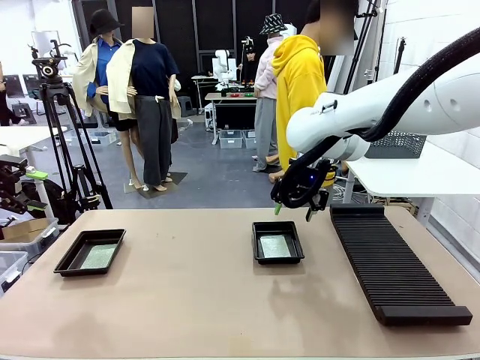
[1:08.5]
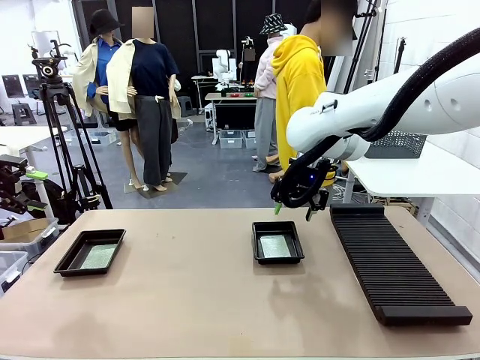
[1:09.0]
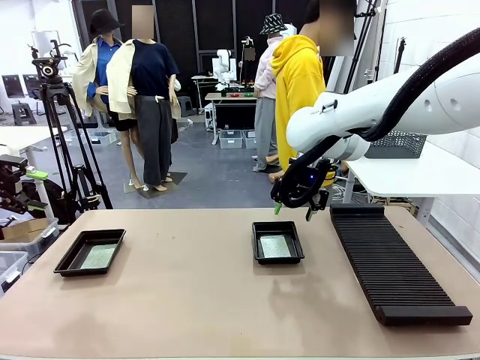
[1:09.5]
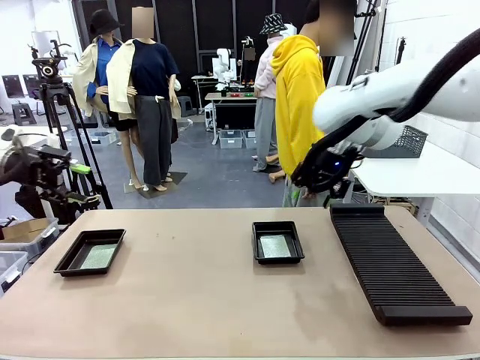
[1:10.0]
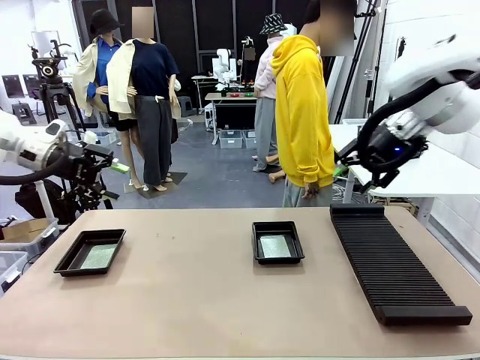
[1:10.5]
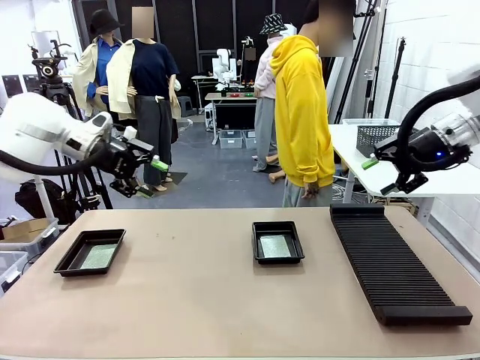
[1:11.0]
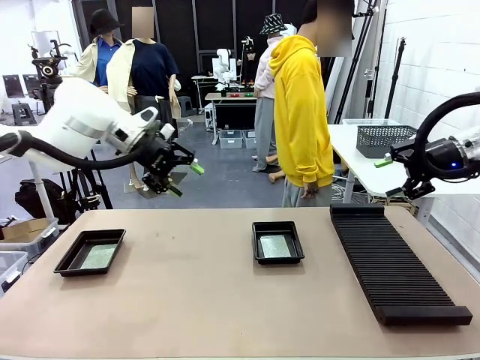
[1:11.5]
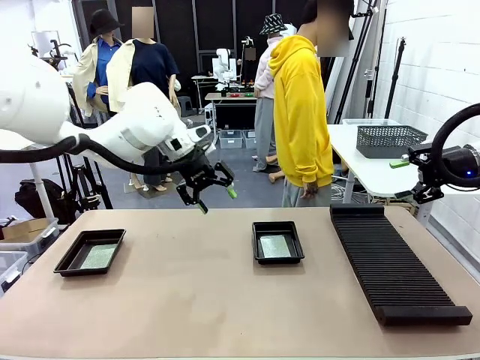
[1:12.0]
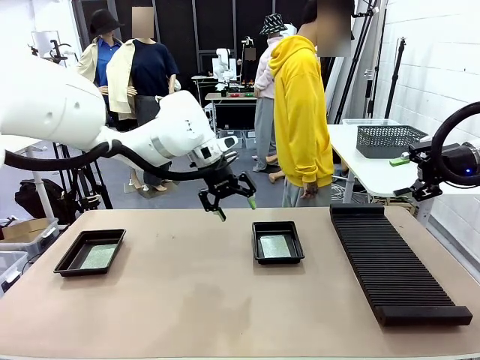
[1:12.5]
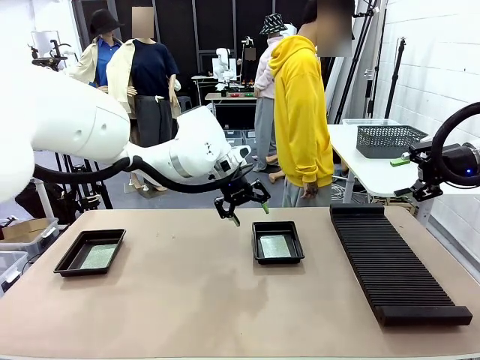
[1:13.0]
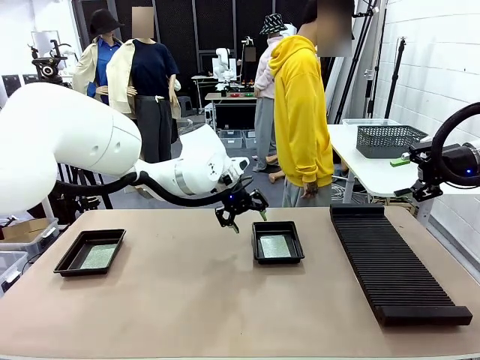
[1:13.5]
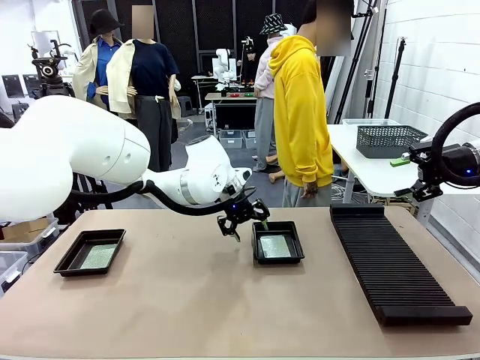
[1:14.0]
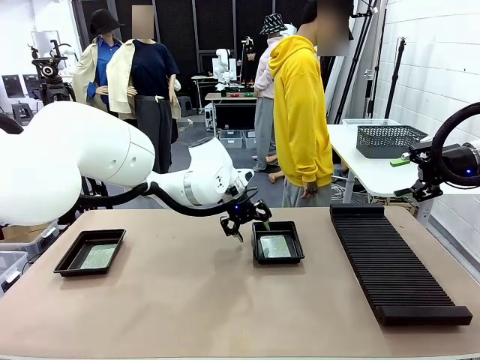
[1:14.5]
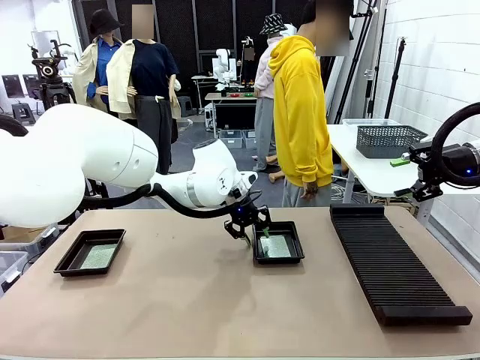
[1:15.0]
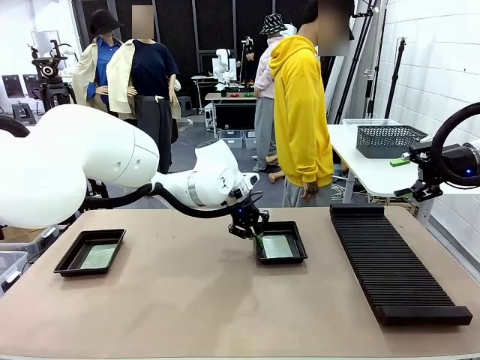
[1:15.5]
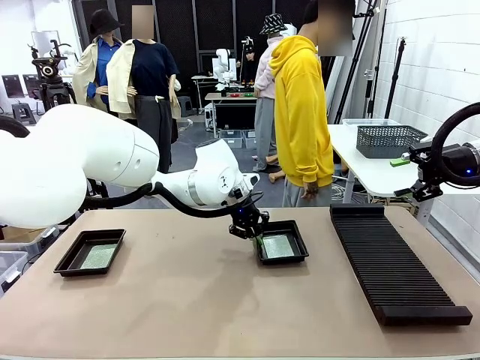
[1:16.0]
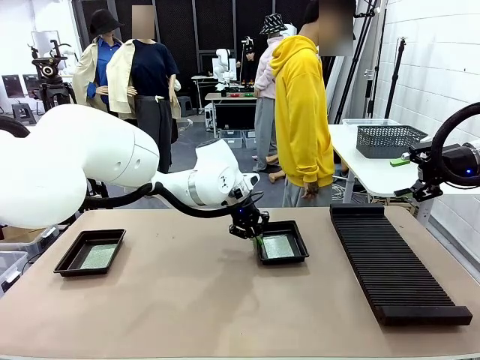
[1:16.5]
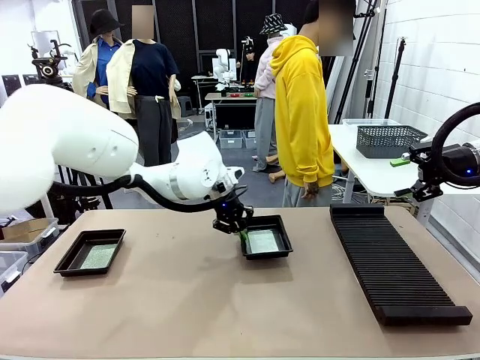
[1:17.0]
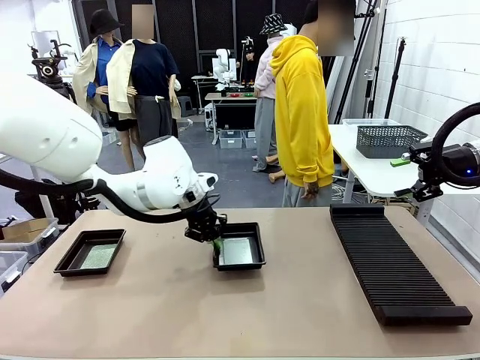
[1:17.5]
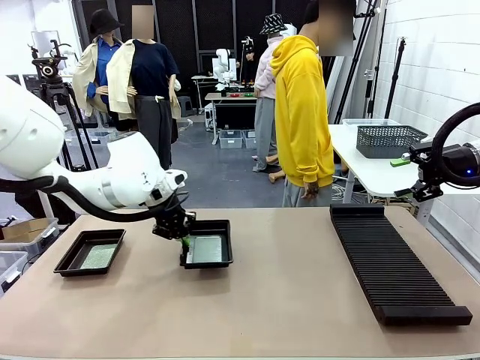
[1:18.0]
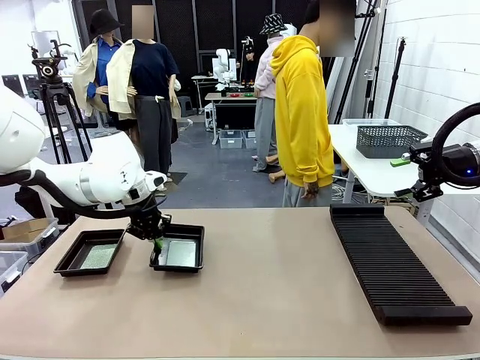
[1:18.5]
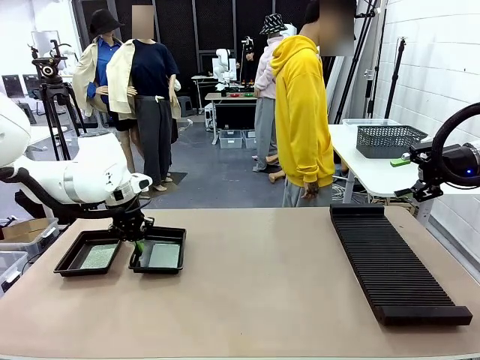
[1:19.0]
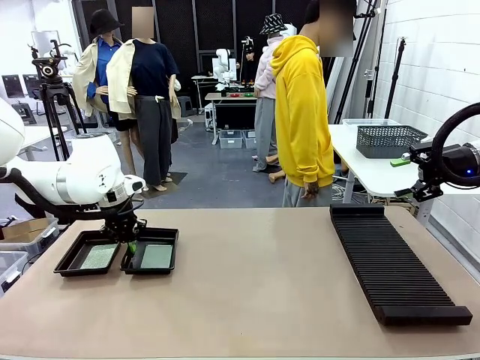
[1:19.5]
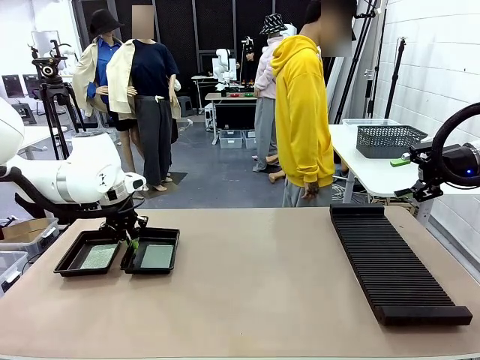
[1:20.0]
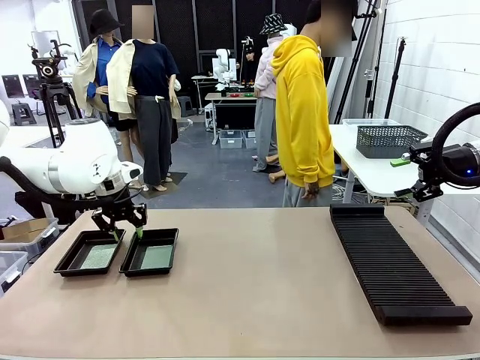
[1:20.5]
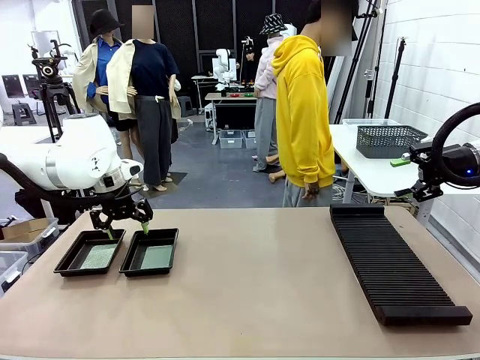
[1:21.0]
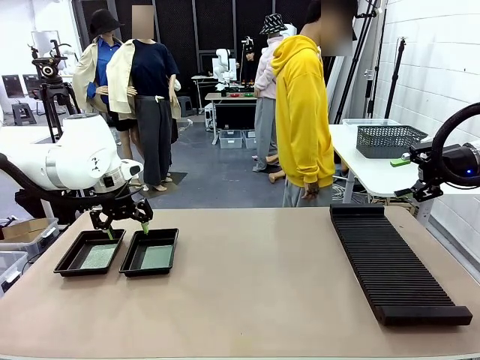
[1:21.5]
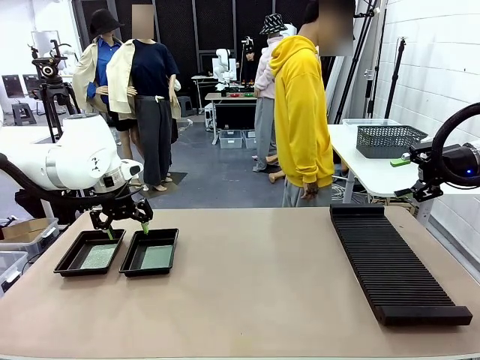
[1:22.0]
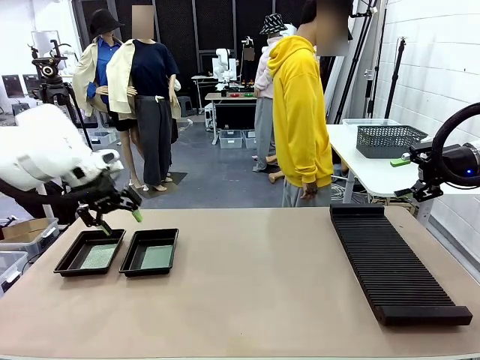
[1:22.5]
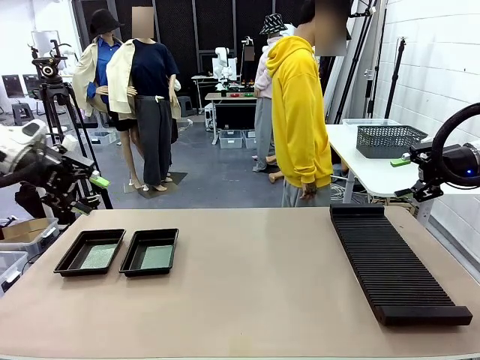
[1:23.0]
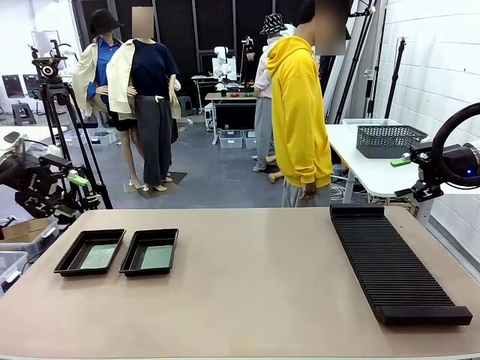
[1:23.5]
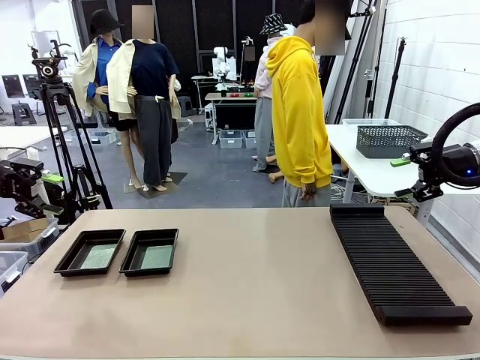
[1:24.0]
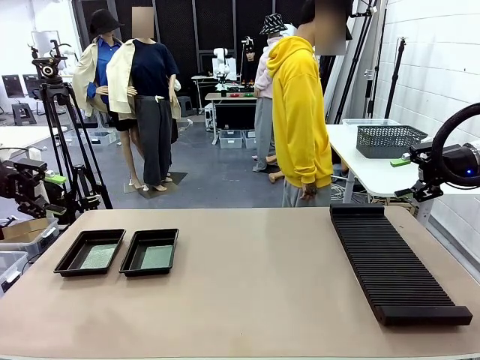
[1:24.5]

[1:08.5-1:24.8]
Task: Inspect and transfer BCBs to ESD trays.
Robot: Pick up the ESD tray and place it on the left side of the table.

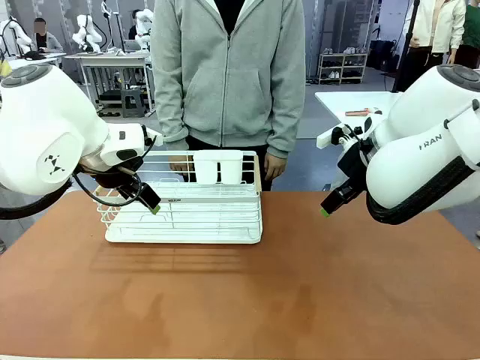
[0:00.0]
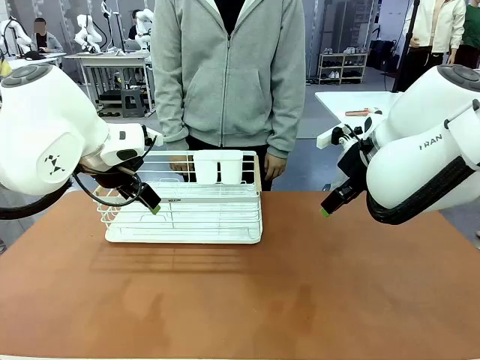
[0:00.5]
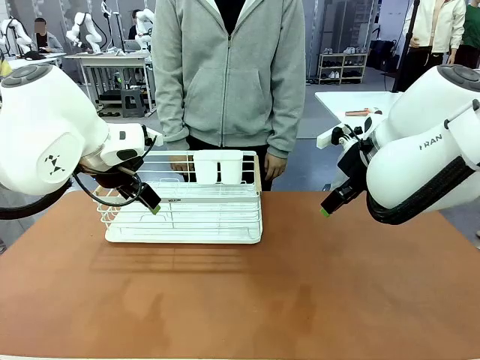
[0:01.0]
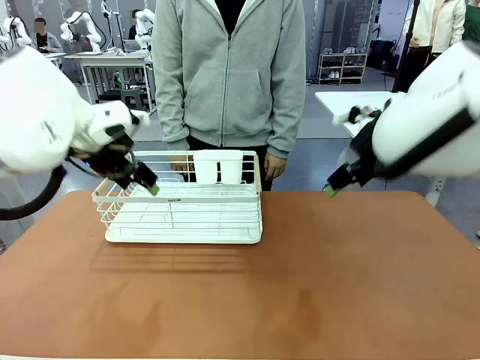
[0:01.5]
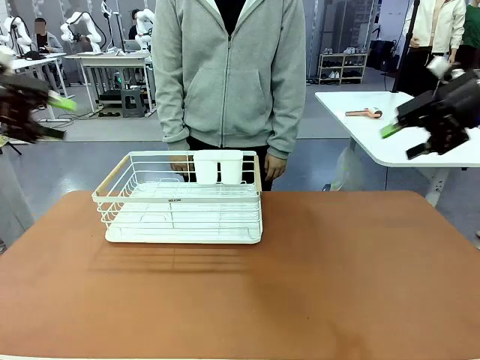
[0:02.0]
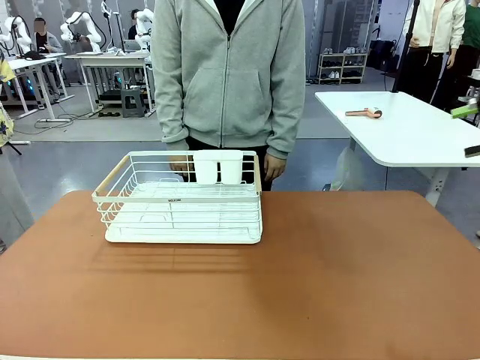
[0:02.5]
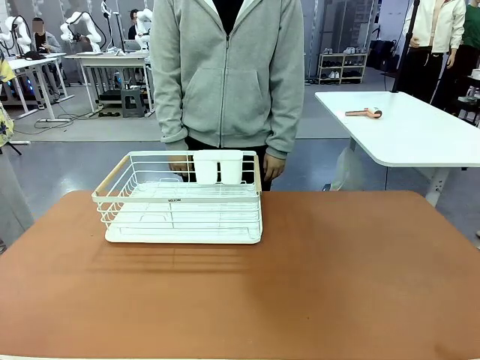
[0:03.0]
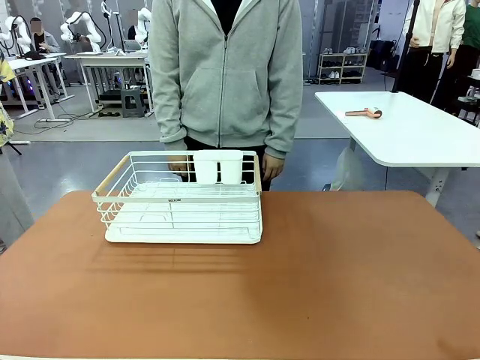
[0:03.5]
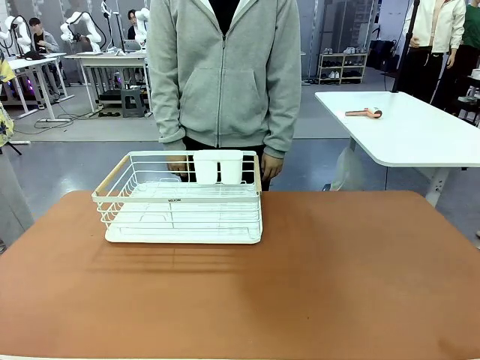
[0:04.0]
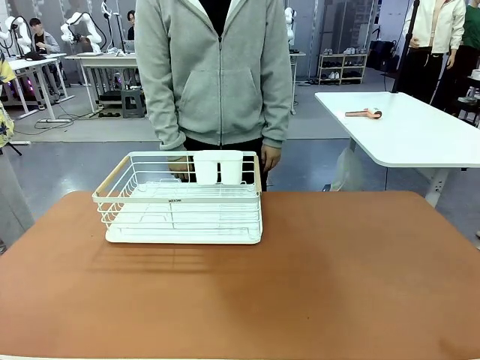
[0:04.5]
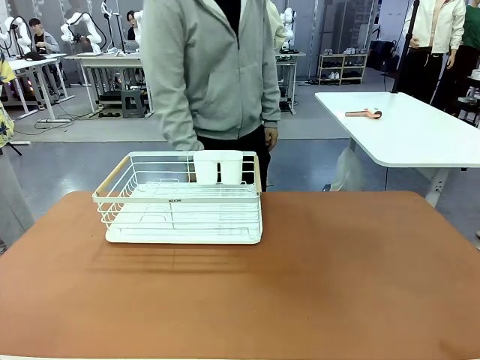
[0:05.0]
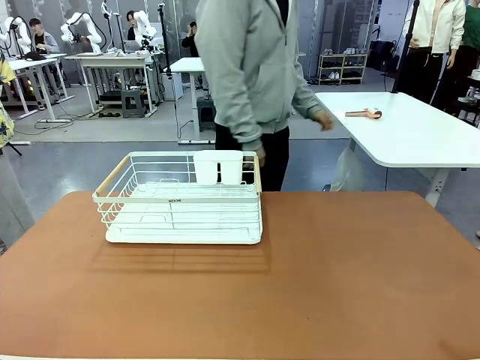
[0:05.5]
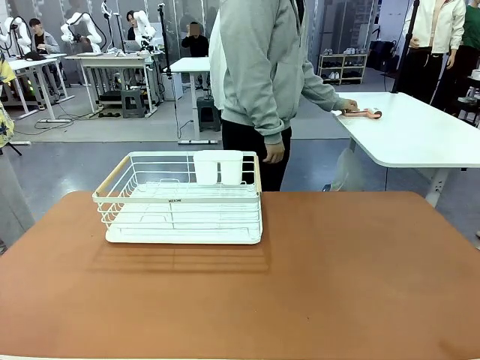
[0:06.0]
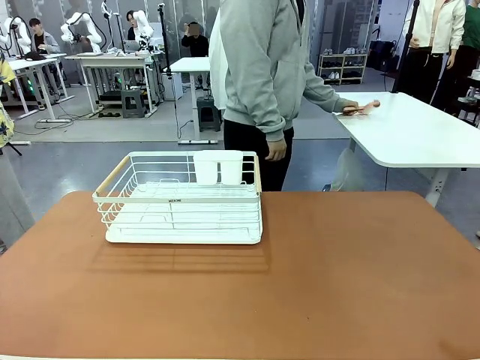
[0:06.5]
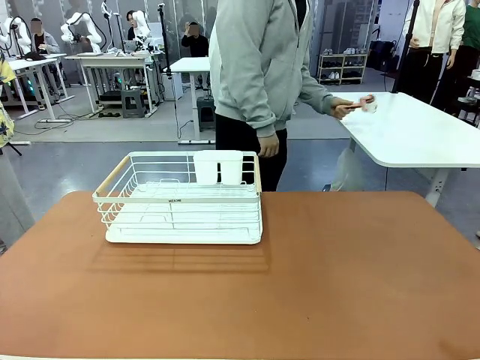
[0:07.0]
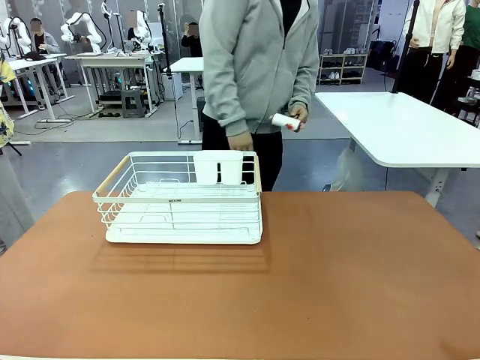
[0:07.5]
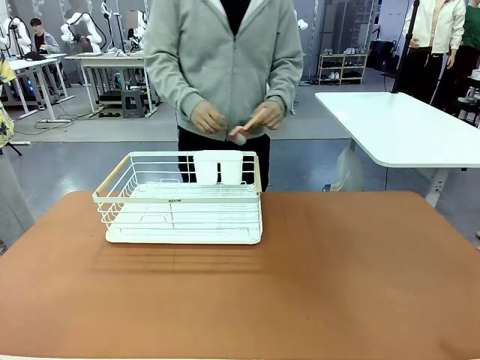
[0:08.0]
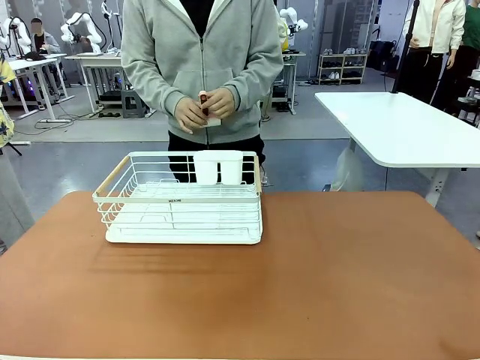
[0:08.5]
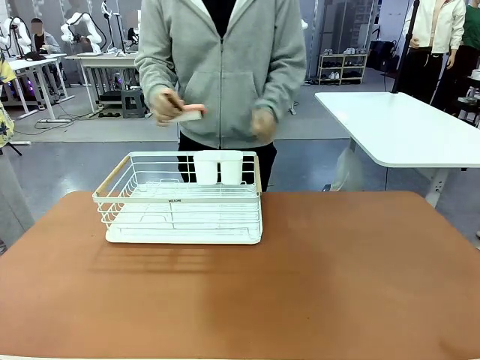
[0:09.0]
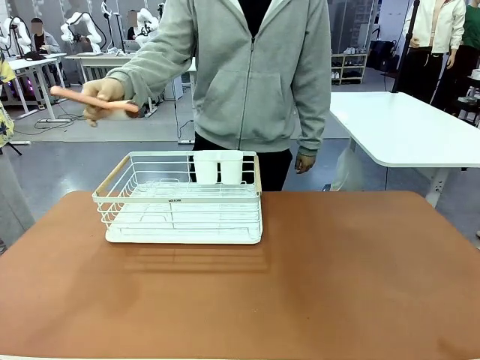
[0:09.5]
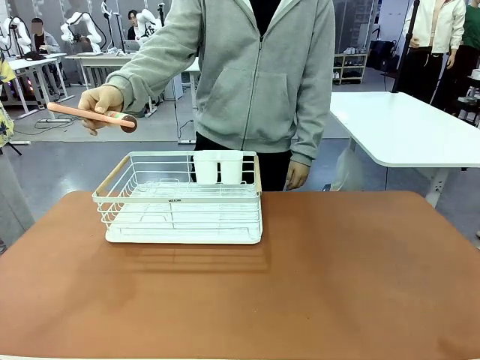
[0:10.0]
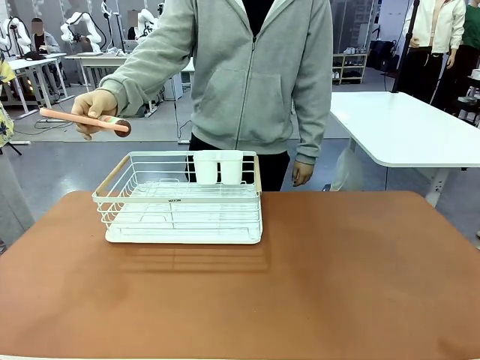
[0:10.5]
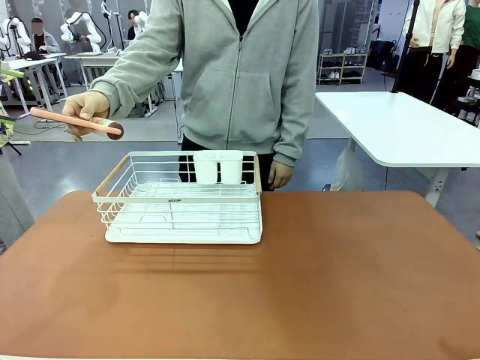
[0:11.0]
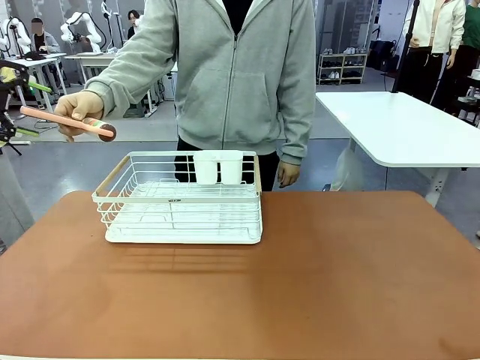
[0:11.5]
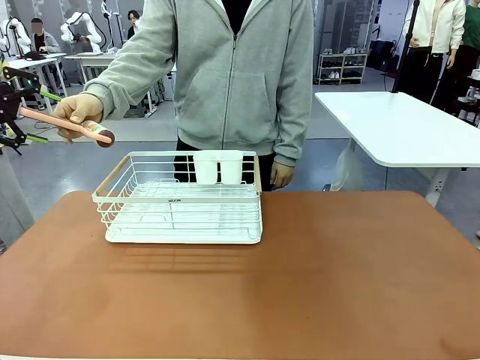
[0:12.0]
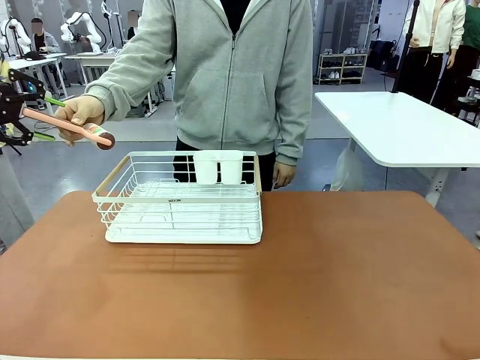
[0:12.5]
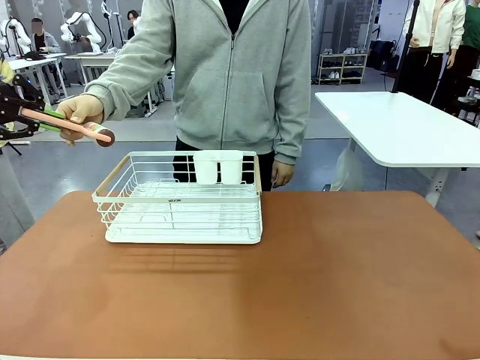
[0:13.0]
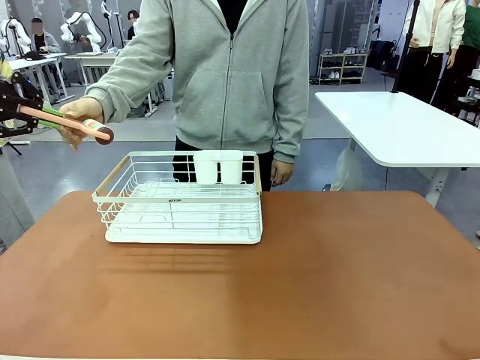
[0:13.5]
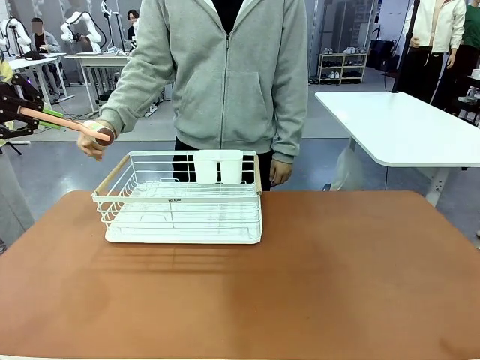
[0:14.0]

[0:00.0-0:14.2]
Task: Clean the table.
Robot: Pick up the Lint Roller when the human hands it over.
Person: Hand the Lint Roller to the robot so it can easily pick it up. Lift the Dish drying rack.
